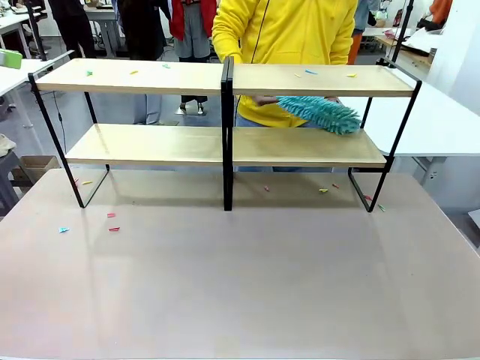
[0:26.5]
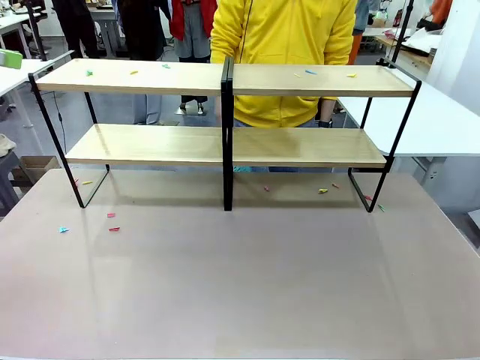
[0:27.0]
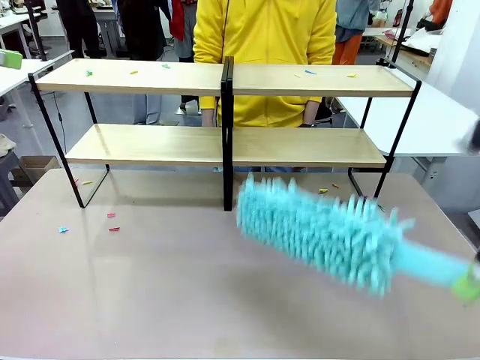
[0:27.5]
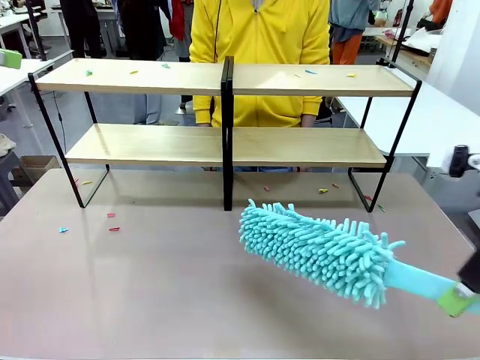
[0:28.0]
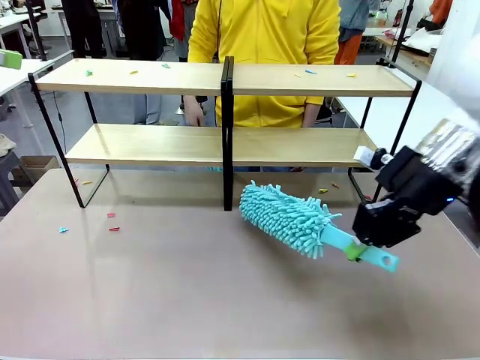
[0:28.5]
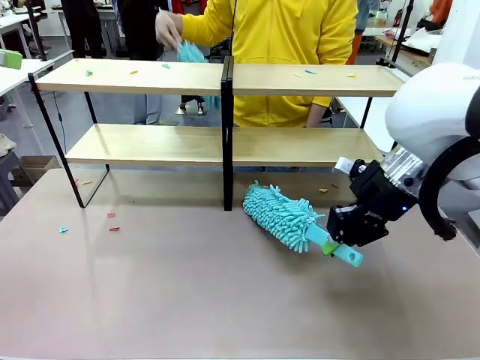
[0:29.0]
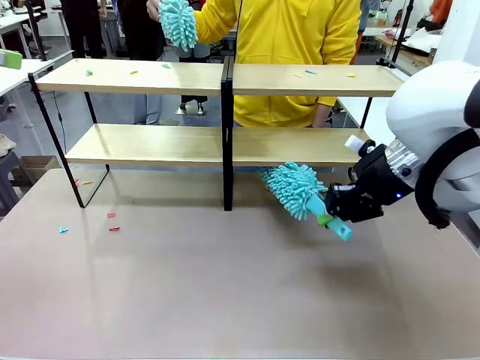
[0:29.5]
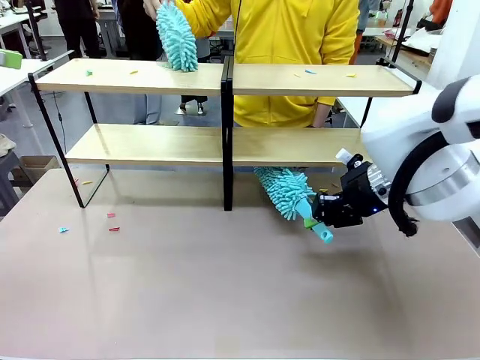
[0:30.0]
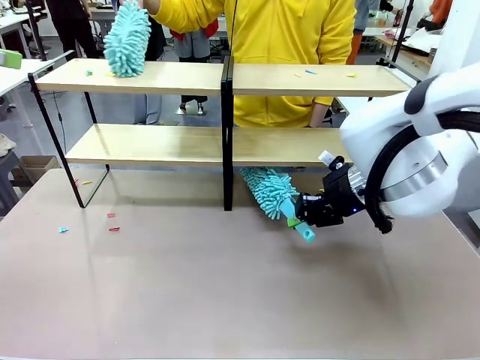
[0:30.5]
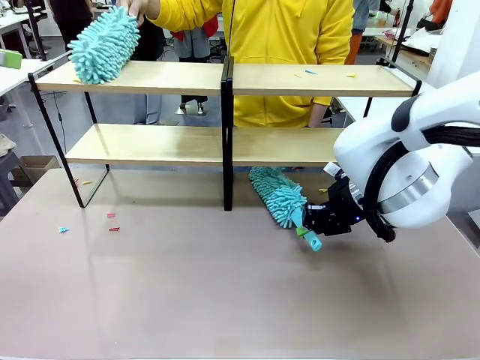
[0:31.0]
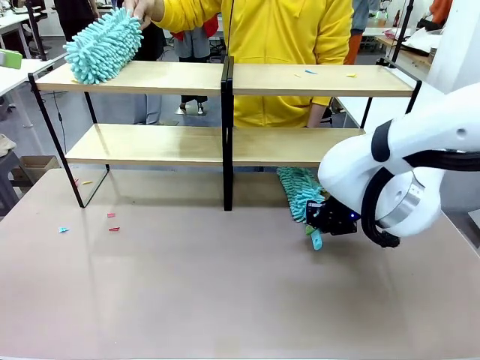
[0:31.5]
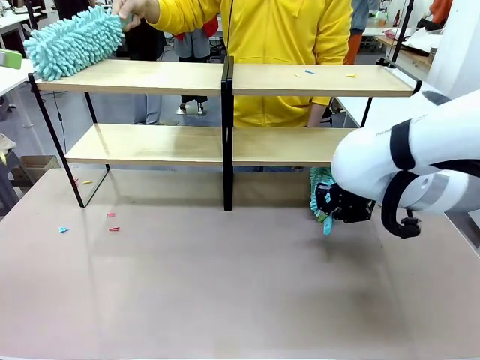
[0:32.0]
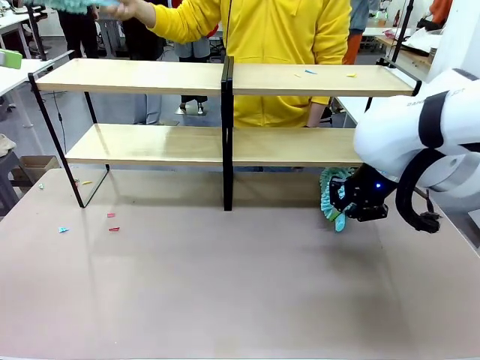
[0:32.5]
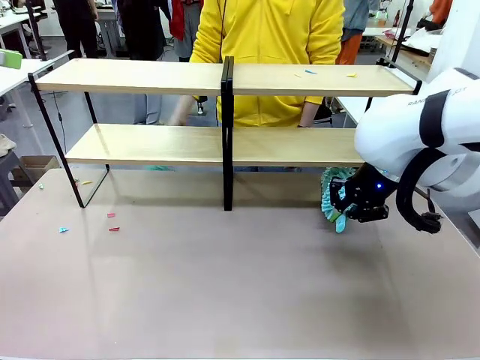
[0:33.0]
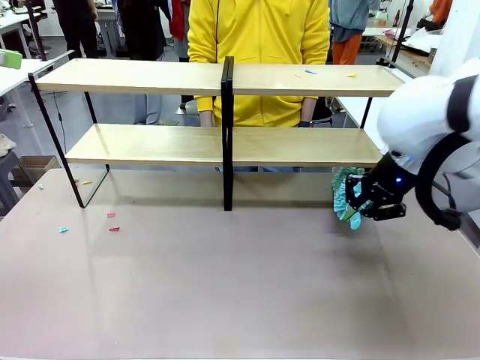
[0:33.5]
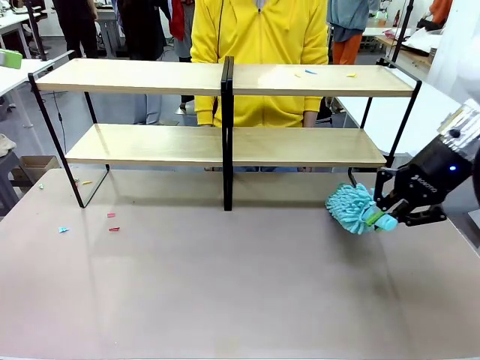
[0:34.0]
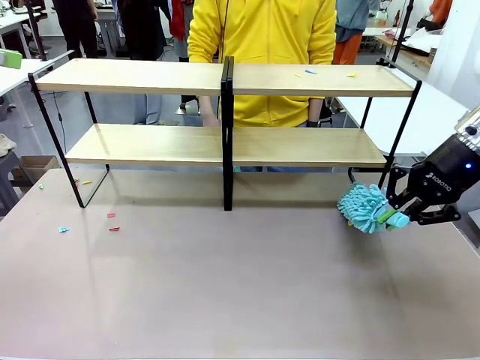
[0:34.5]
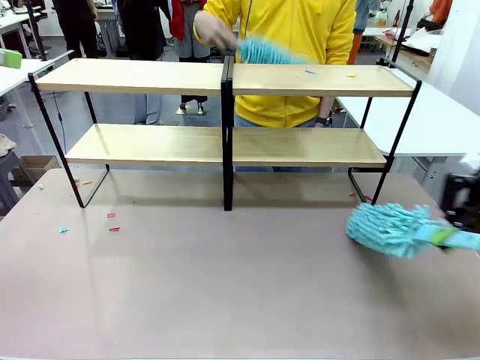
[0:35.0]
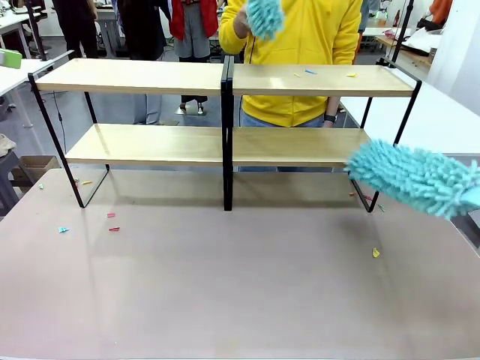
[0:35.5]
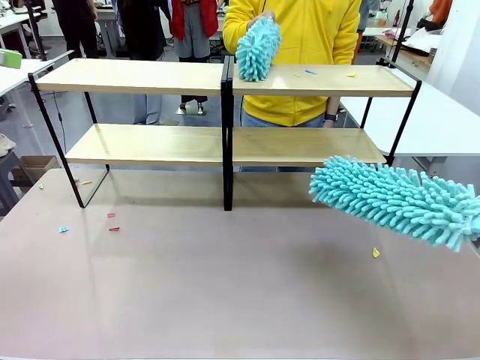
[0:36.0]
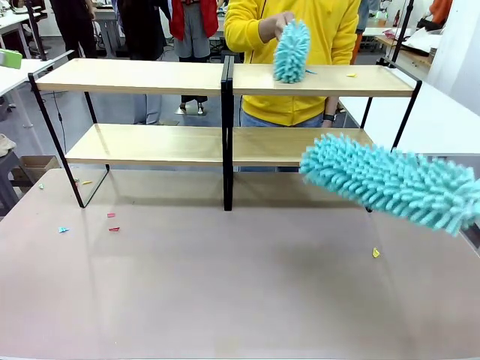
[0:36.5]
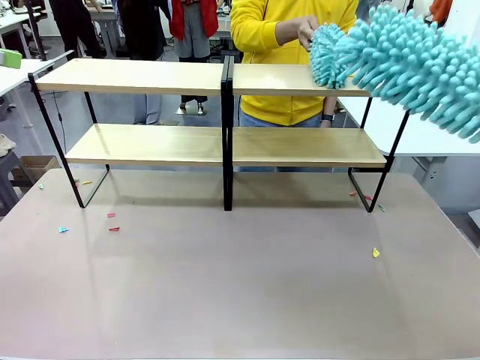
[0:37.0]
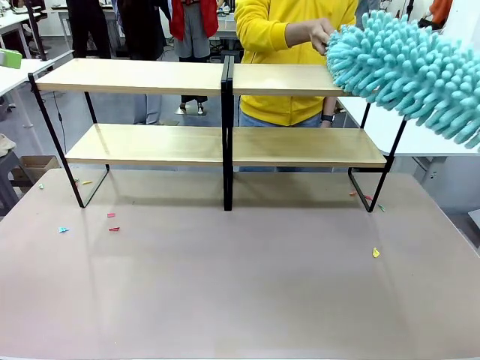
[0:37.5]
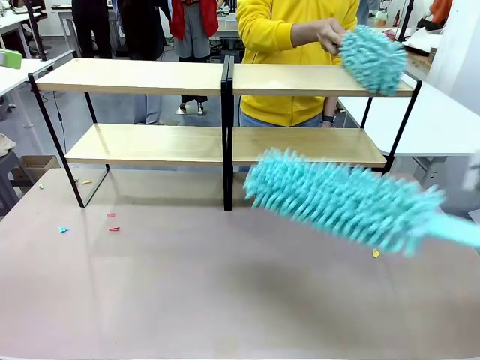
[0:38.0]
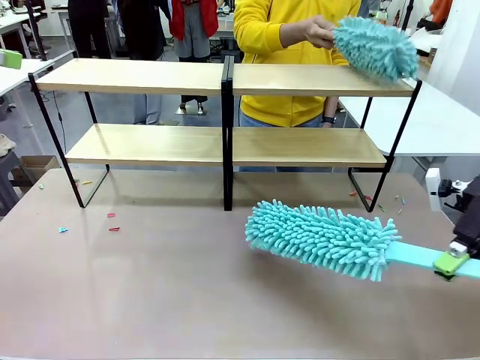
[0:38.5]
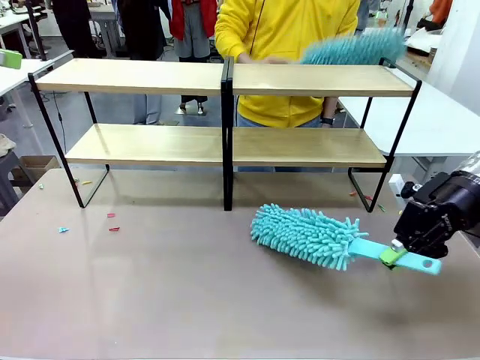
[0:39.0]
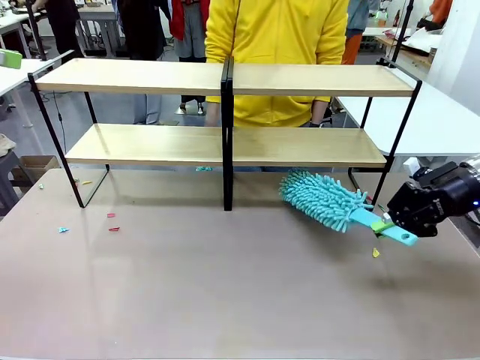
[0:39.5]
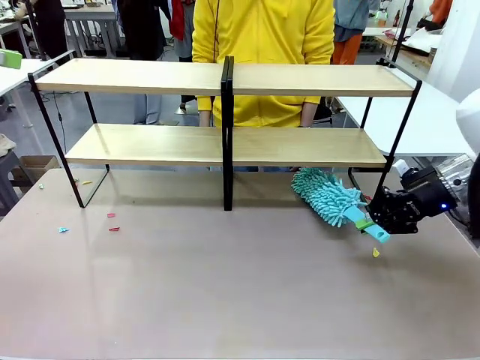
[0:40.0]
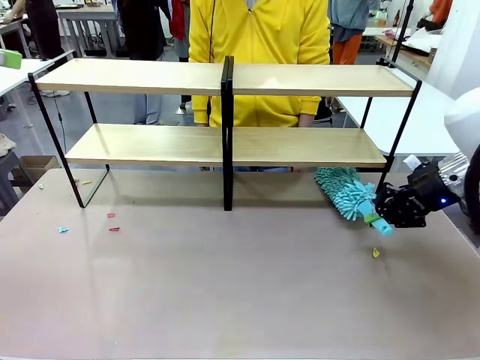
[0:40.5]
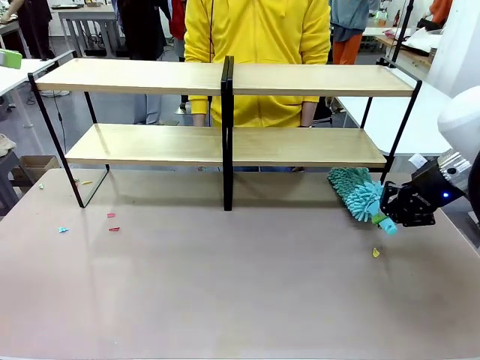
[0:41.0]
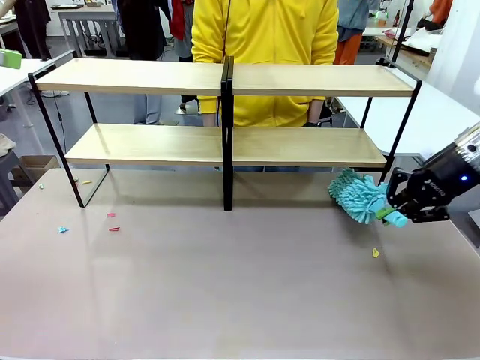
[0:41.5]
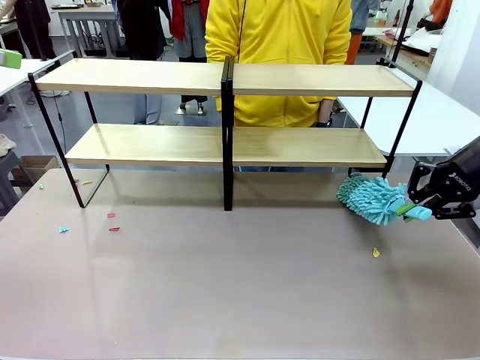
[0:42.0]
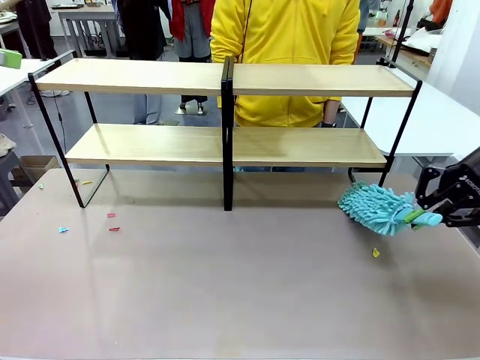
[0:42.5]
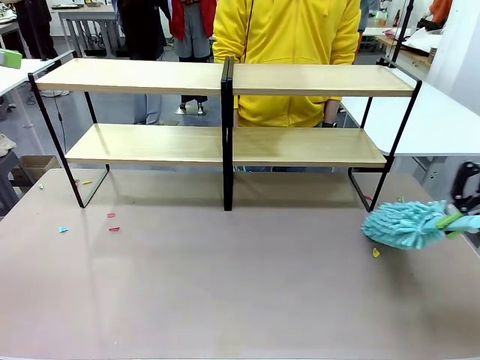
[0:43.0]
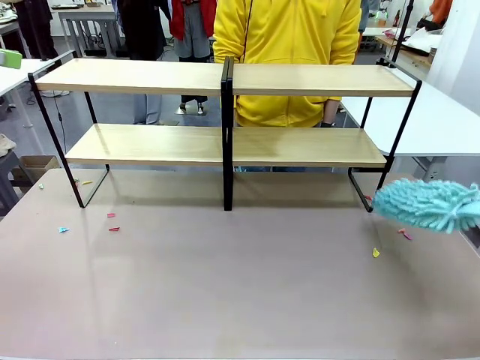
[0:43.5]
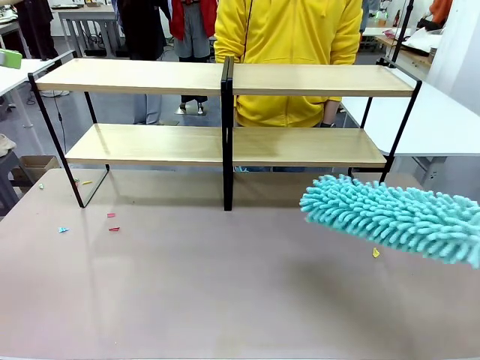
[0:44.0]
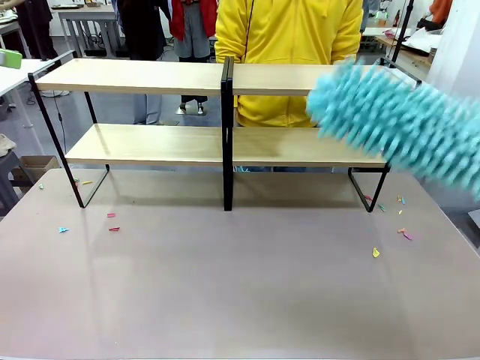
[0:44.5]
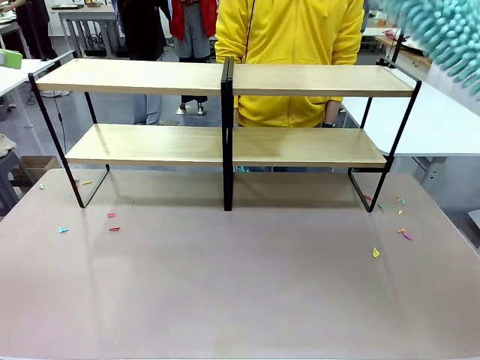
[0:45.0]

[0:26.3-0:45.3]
Task: Clean the shelves.
Robot: Clean another randomly selected level of the Shelf with the Duster.
Person: Clean a randomly selected level of the Shelf with the Duster.

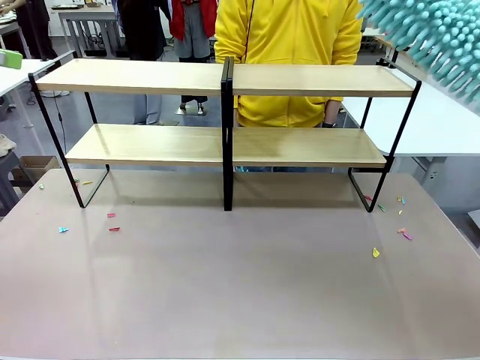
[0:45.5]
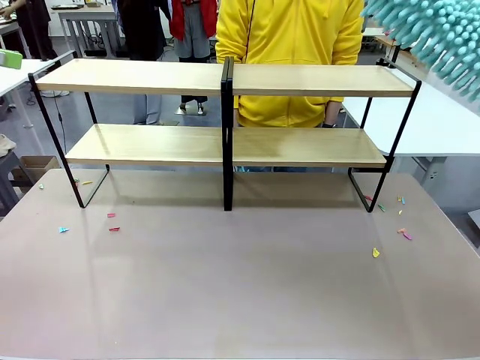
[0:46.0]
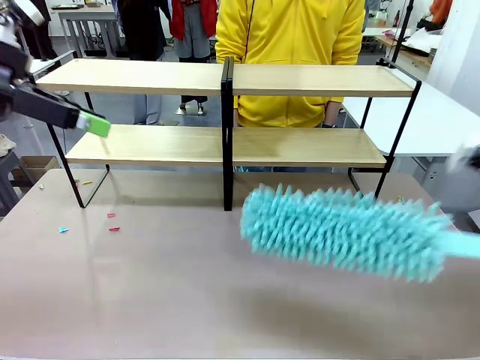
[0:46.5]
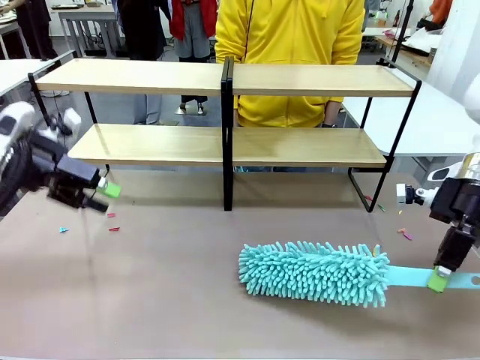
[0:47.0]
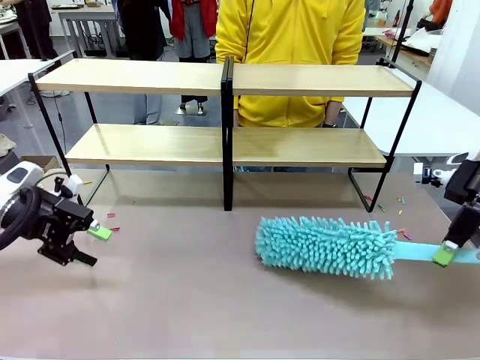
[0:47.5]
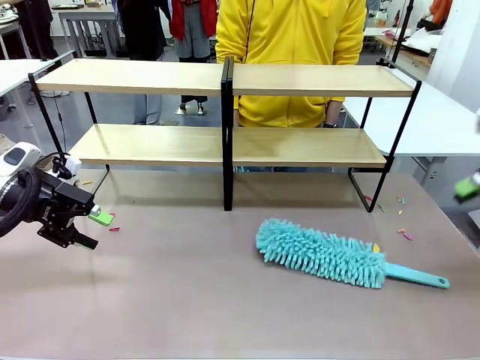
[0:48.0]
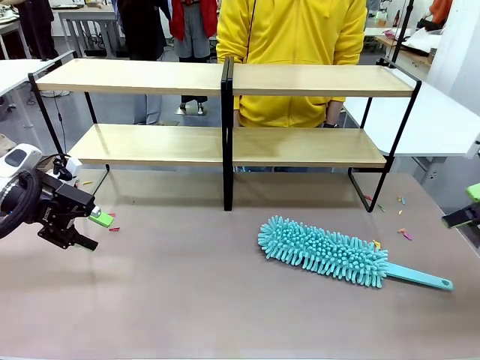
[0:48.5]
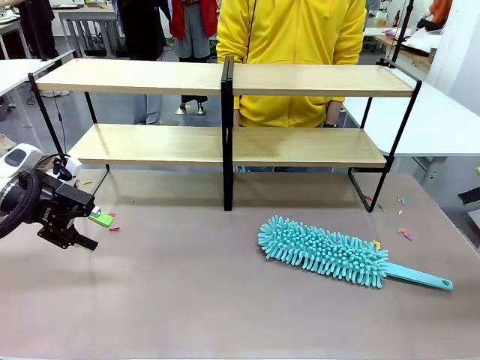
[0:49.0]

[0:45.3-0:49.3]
Robot: Place the Duster on the table.
